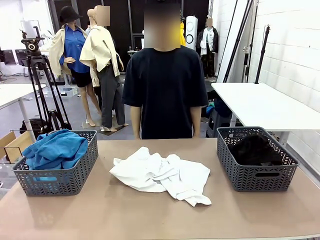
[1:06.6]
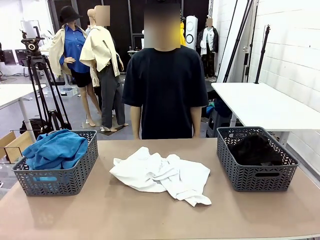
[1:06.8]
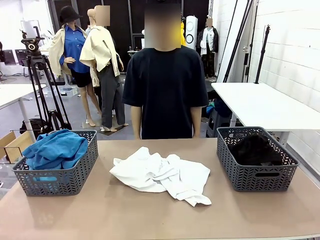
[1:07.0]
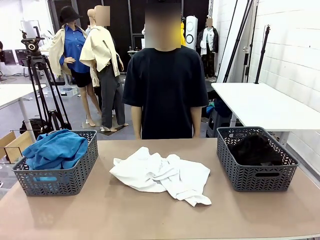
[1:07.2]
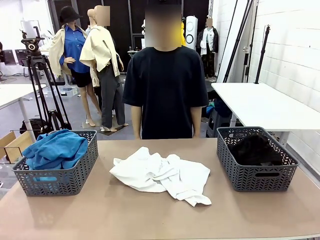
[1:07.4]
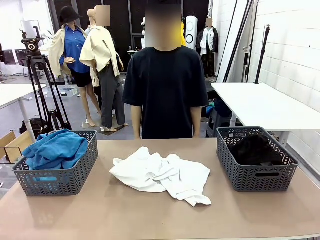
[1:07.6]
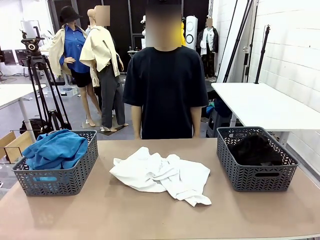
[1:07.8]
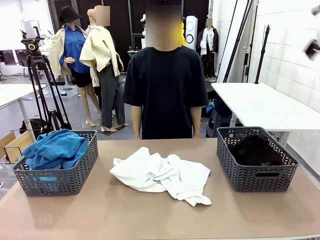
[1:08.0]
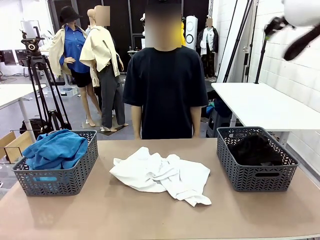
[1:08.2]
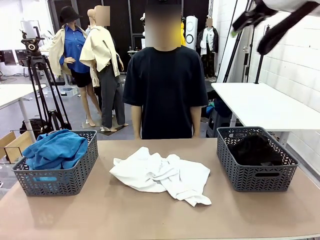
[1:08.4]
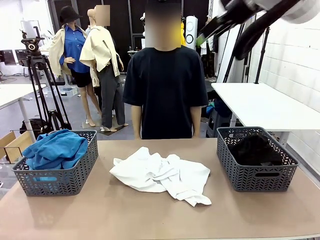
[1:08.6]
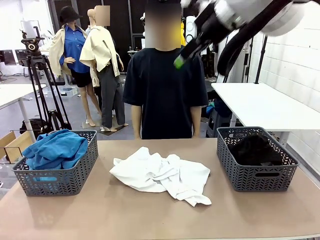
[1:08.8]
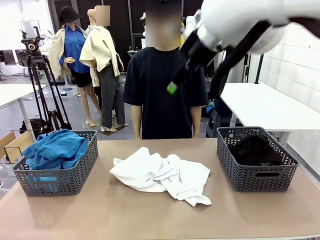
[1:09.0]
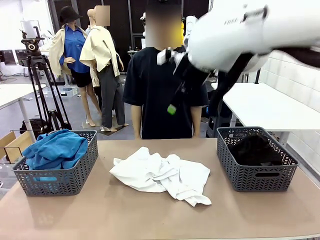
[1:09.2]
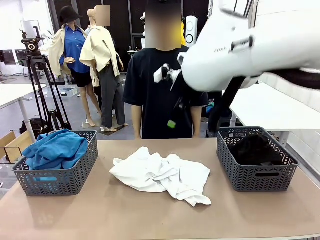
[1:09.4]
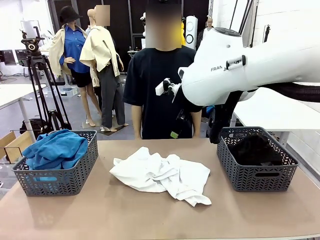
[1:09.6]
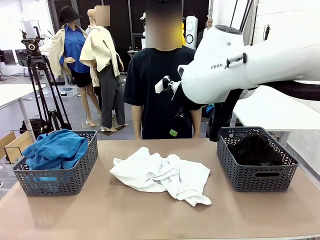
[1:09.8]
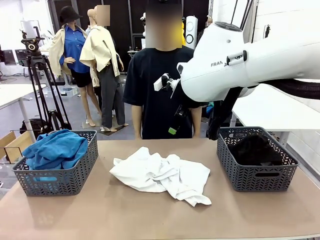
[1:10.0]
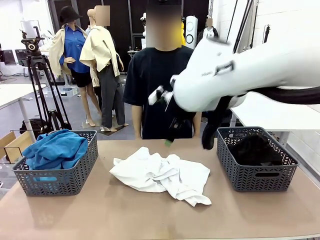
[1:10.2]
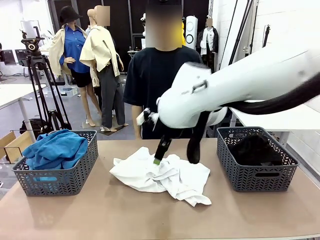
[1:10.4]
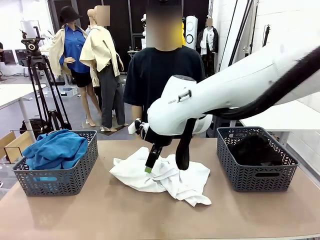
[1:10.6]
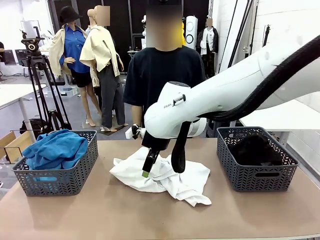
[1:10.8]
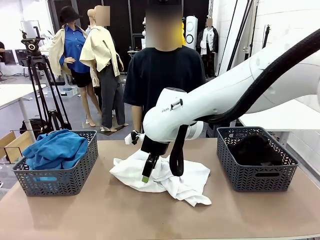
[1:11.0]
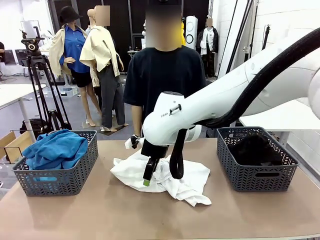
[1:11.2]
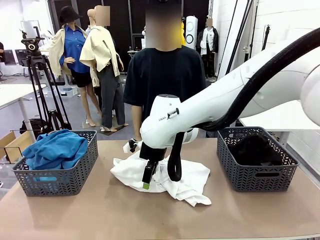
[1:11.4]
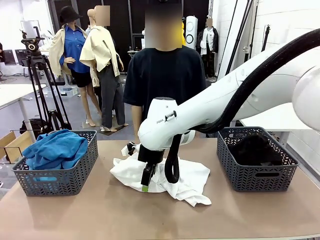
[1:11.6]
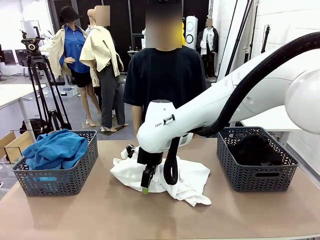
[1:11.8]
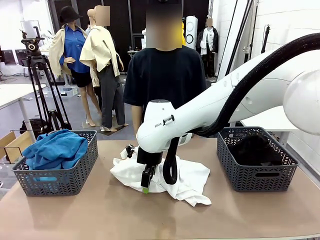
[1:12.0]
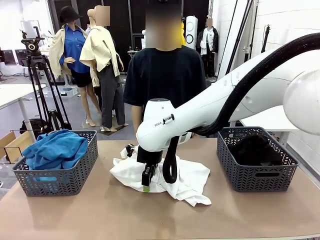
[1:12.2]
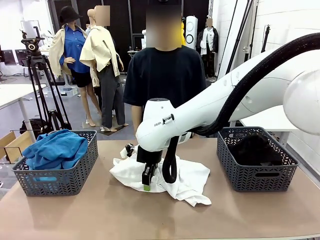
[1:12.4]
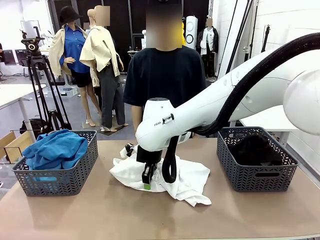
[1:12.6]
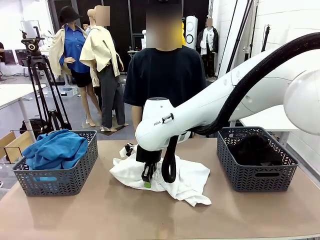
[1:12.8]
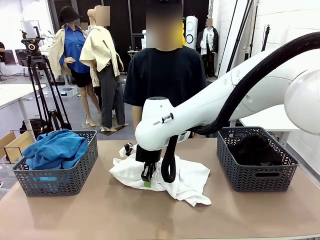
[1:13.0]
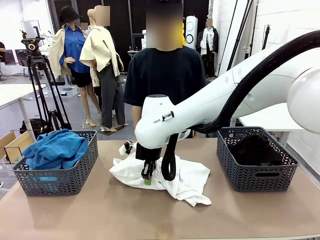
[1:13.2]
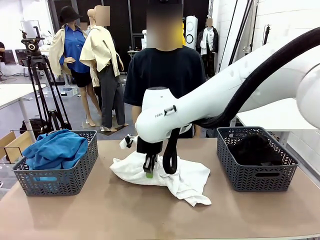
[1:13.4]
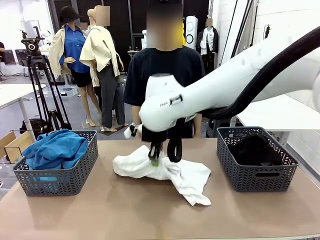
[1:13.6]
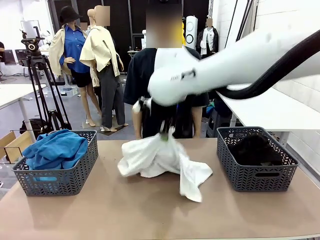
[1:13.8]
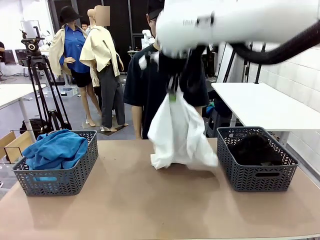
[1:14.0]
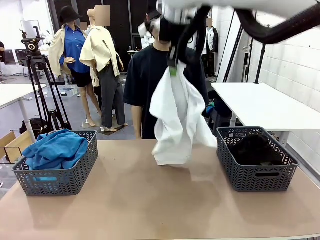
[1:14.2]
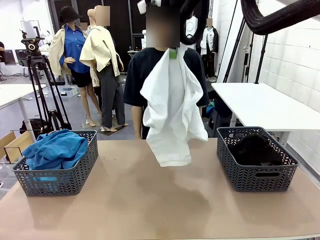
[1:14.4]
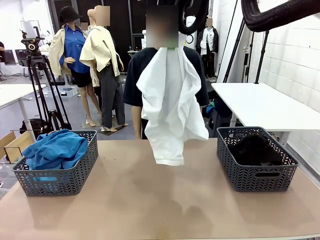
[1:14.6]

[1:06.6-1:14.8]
Task: Sort the tops and bottoms.
Robot: Lift clothes from the center of the table with your right hand.

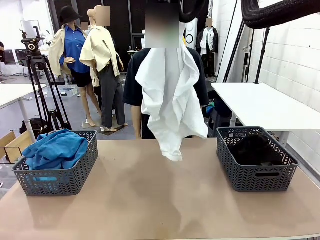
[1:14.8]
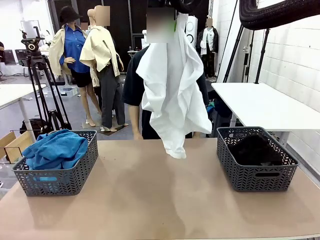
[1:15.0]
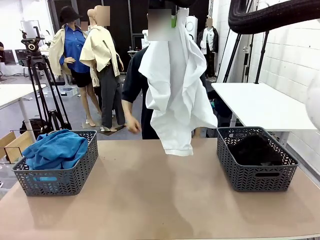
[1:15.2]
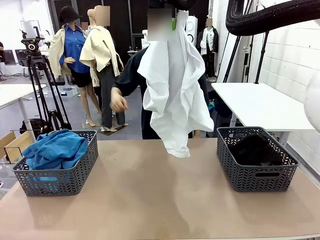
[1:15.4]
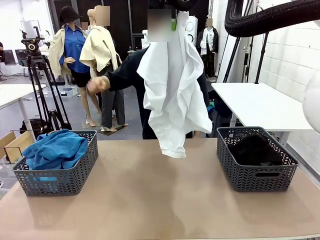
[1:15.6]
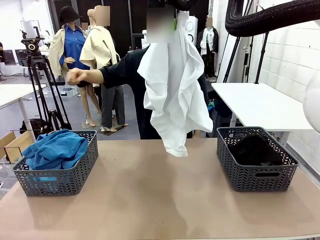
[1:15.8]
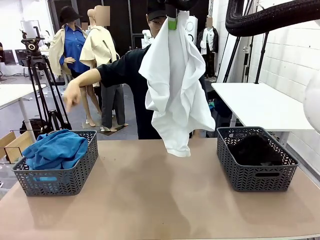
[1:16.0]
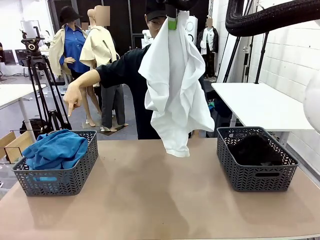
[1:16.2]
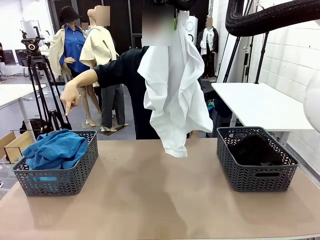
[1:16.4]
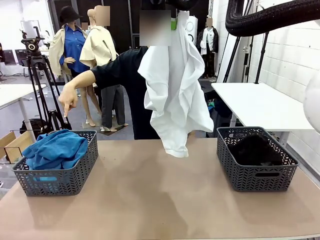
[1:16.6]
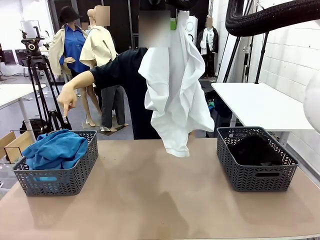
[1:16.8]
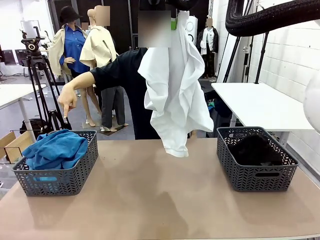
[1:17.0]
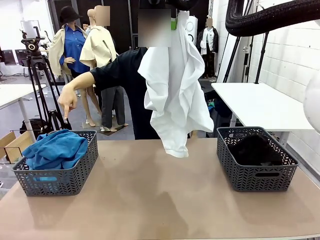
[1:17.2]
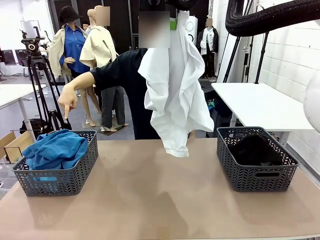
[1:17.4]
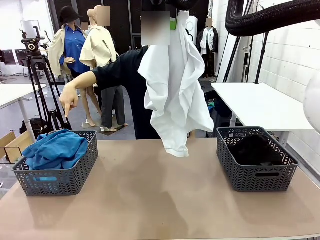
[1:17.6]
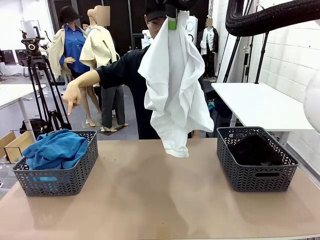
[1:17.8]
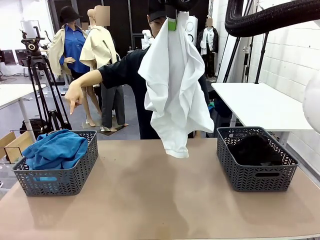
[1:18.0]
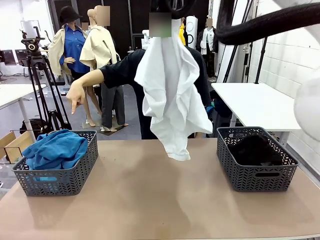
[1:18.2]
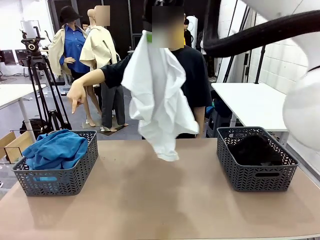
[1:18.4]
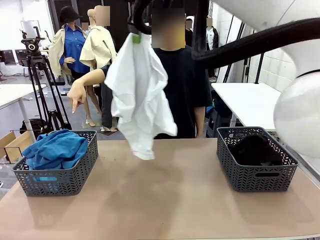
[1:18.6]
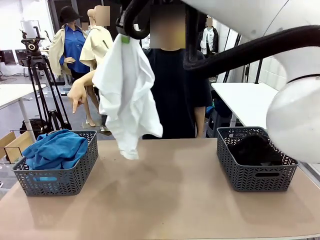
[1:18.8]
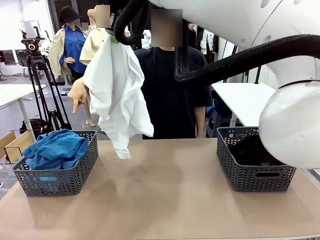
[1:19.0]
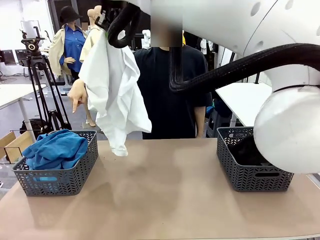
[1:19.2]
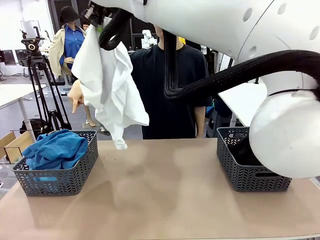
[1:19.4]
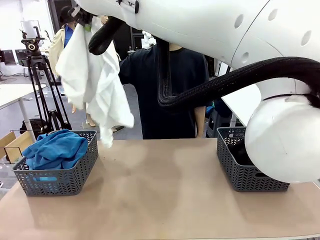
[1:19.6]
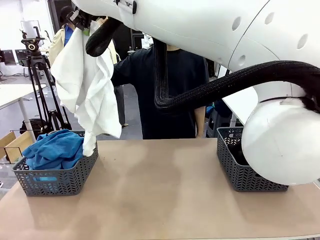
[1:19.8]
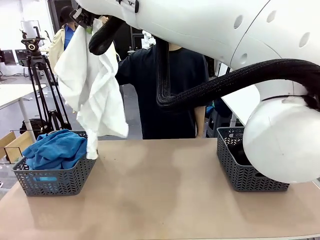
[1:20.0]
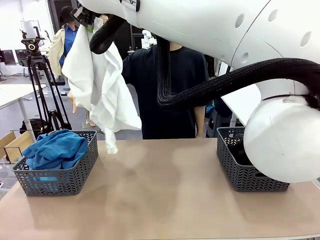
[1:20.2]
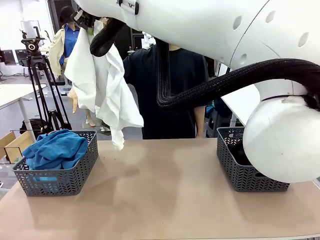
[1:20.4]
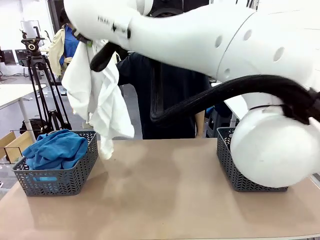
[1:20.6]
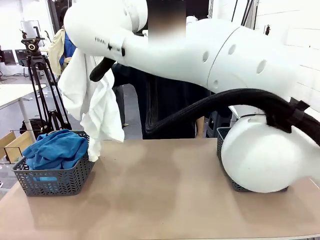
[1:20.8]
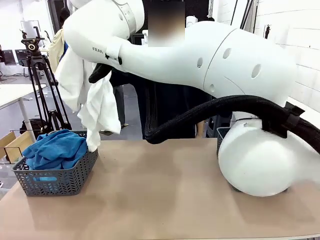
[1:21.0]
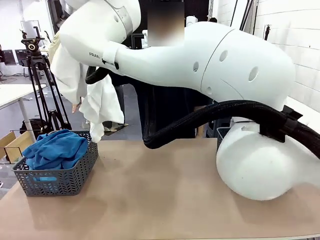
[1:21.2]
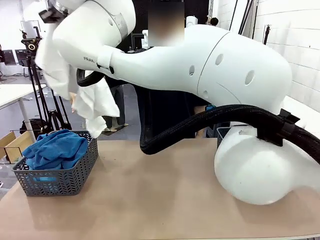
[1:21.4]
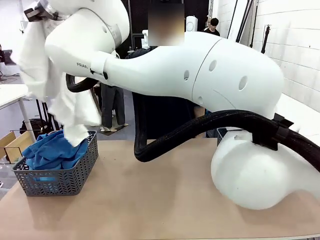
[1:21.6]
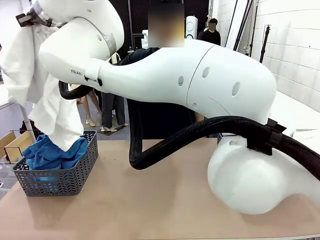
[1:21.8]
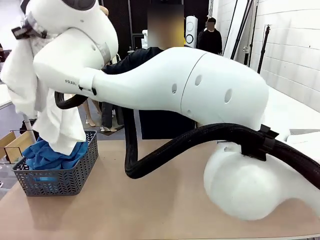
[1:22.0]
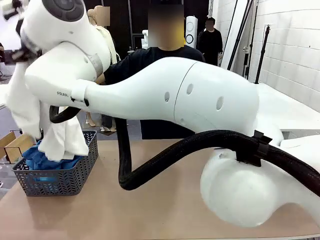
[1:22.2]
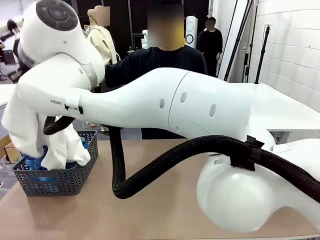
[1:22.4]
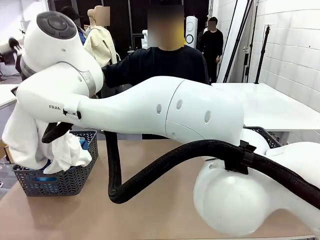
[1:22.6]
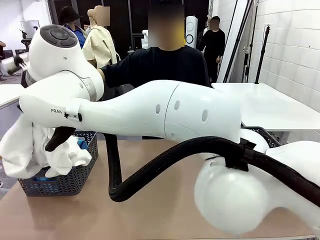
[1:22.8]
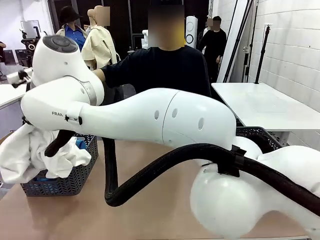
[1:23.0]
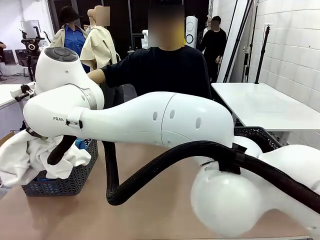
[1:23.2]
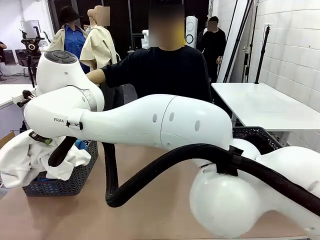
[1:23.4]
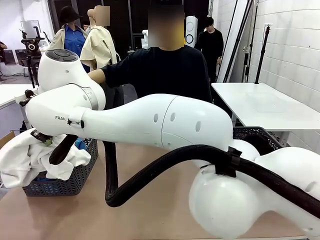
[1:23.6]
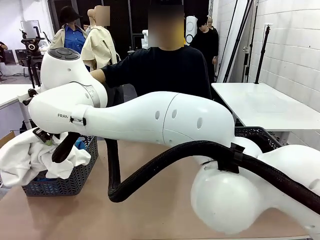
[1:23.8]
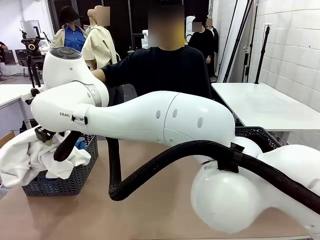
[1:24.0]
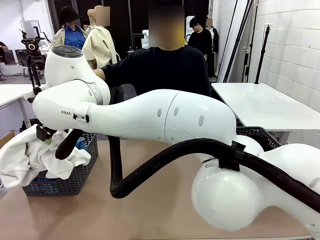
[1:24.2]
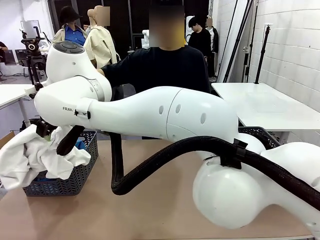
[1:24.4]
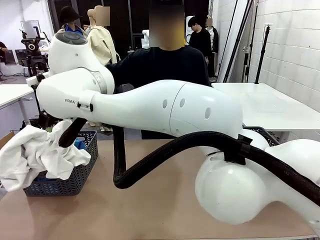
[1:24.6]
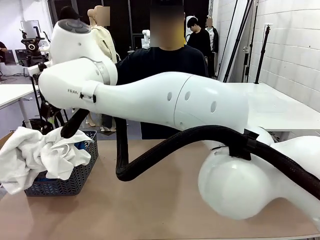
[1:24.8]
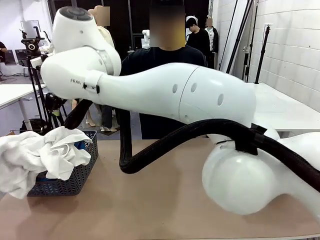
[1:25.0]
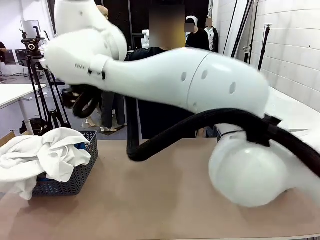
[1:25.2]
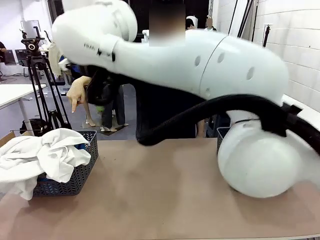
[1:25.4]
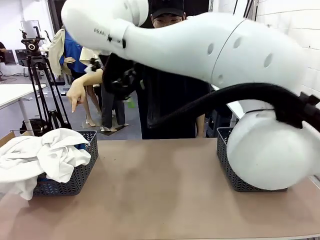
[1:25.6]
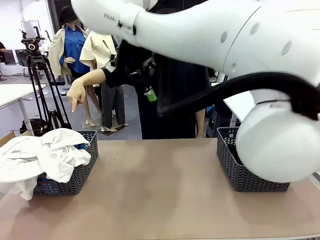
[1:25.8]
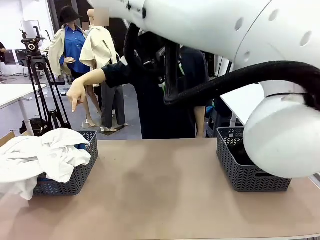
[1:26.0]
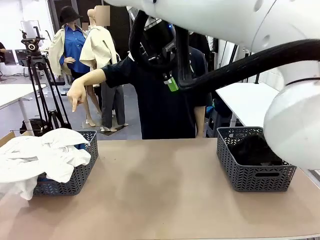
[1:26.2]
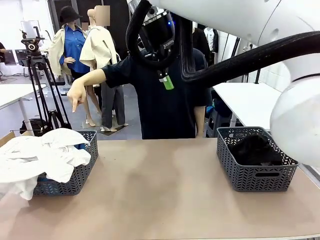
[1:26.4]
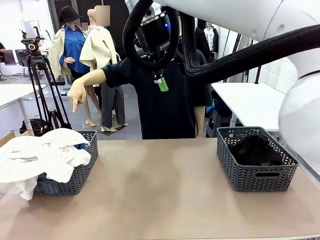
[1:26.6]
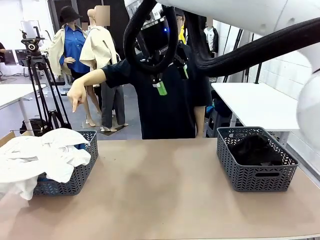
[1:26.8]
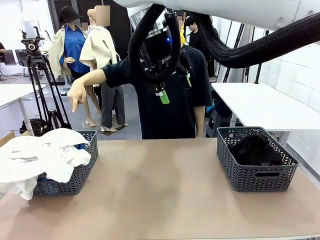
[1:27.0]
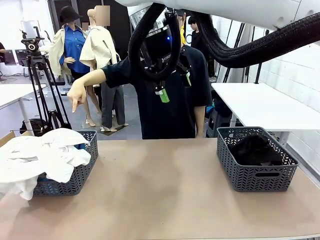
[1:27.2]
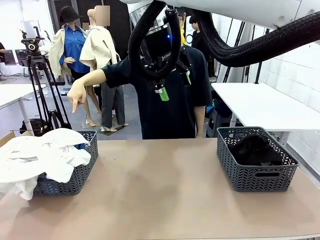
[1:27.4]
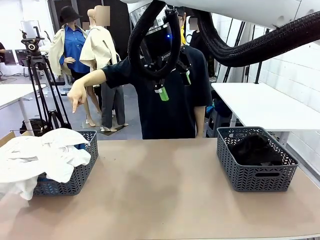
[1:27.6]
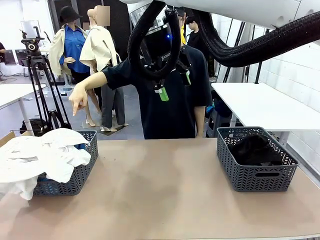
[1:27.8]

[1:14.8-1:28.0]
Robot: Sort the clothes according to human instructions.
